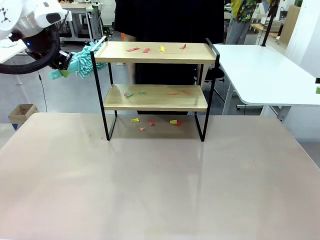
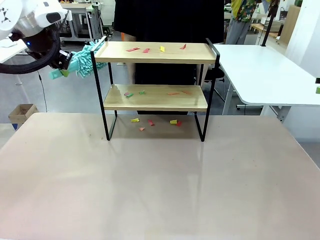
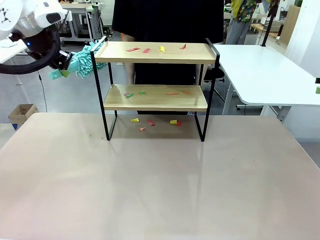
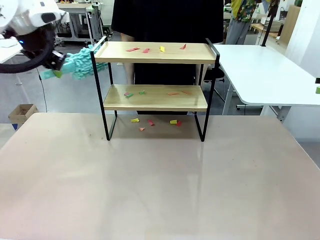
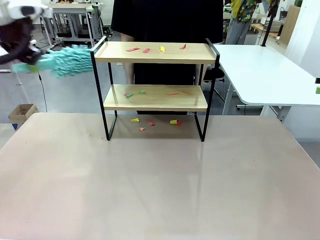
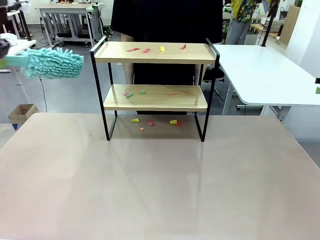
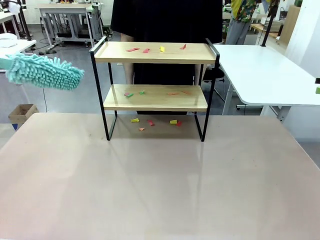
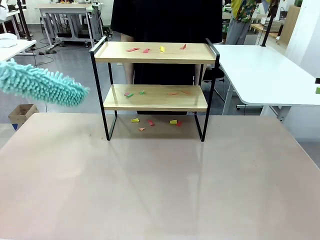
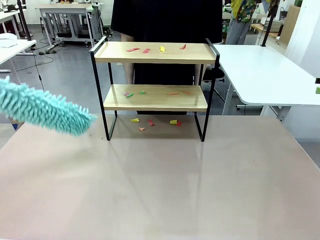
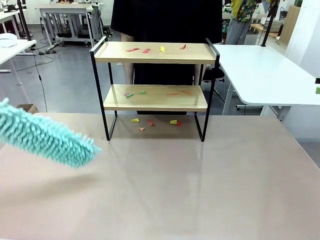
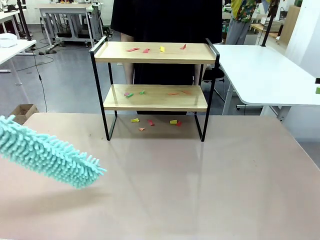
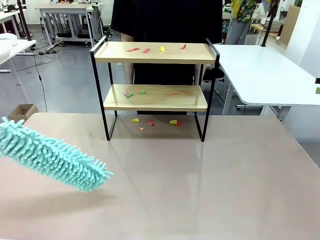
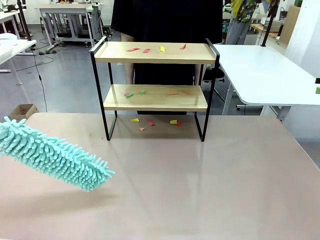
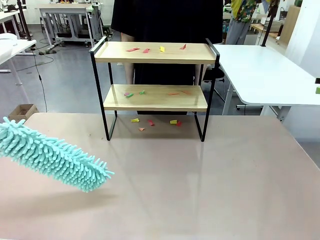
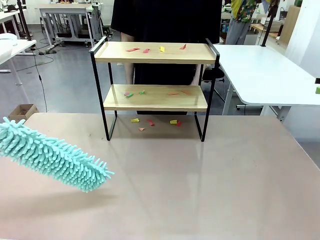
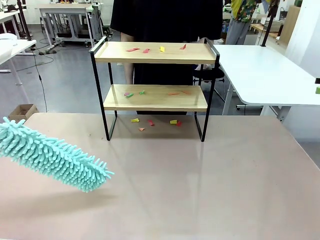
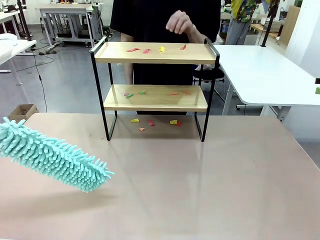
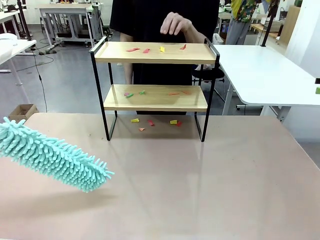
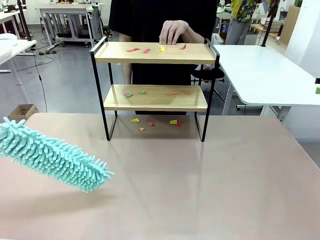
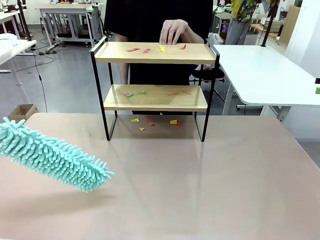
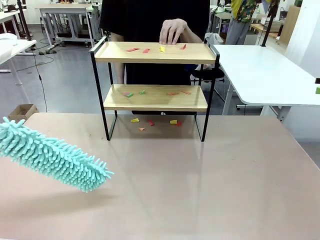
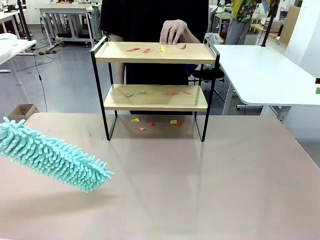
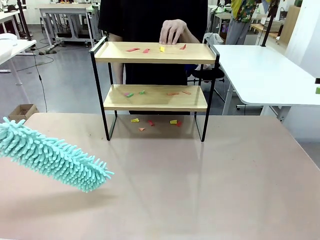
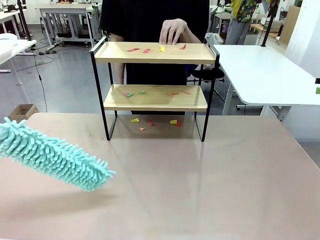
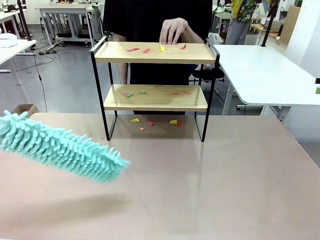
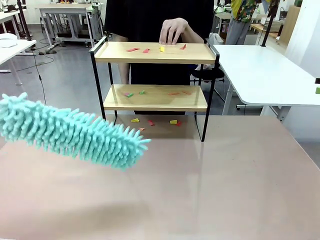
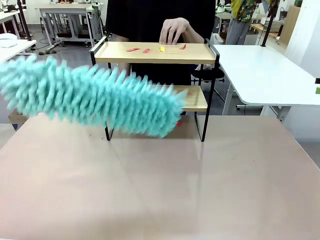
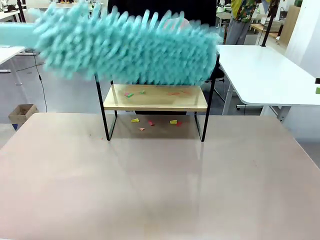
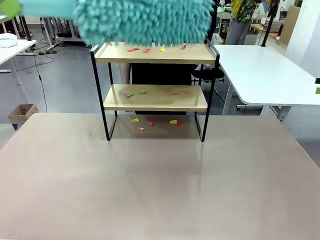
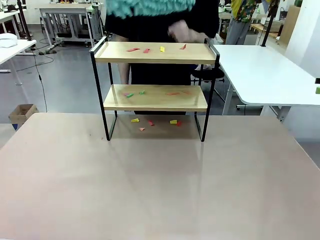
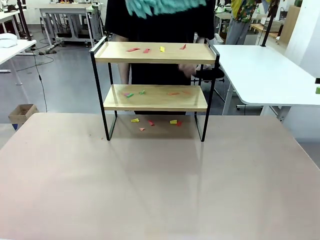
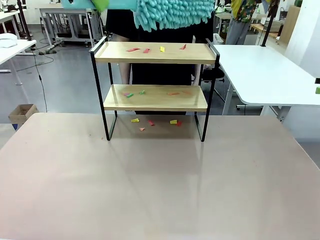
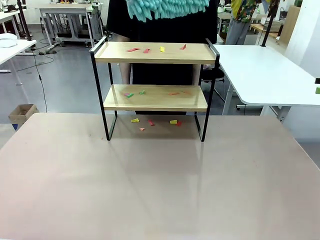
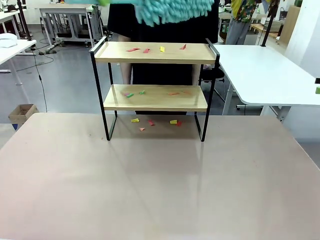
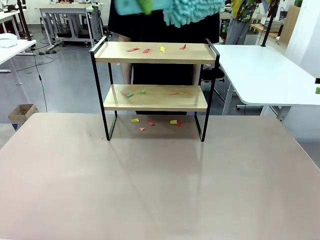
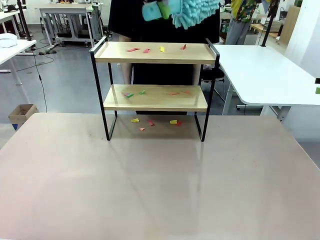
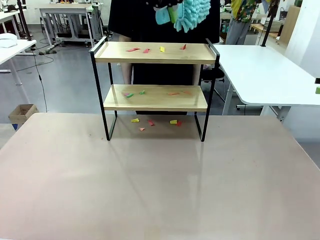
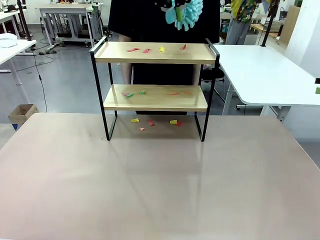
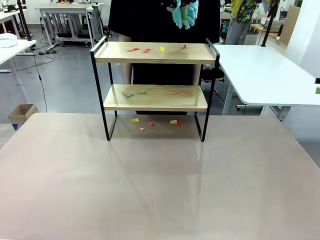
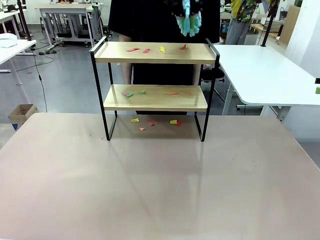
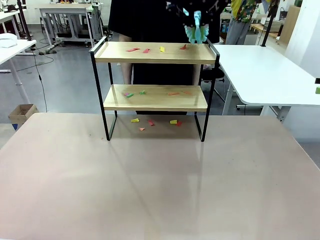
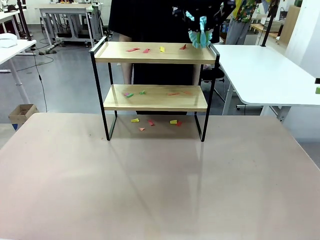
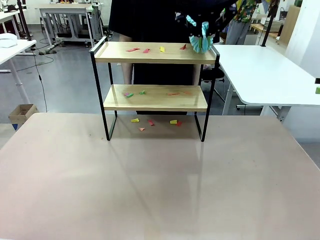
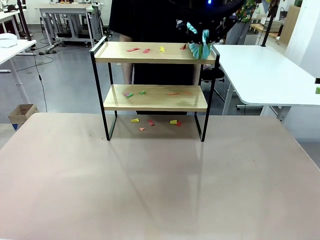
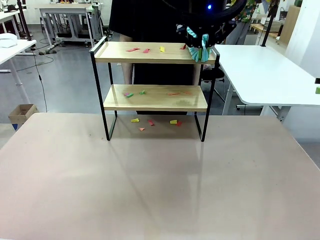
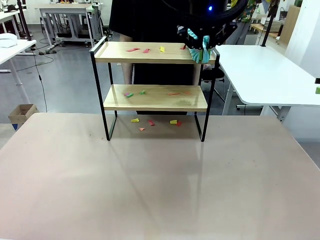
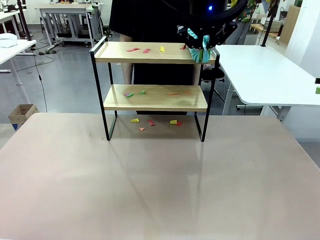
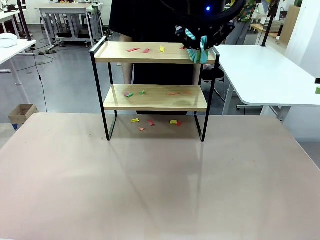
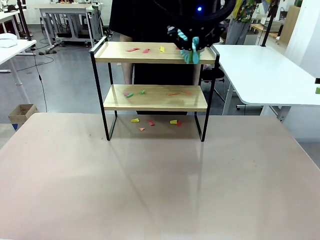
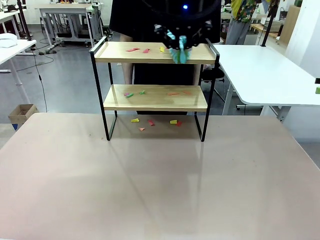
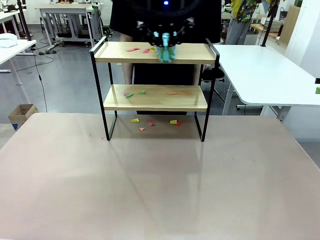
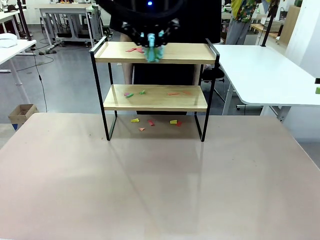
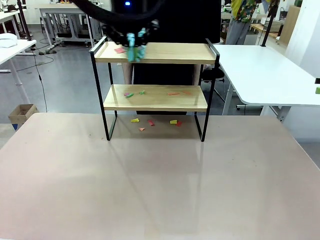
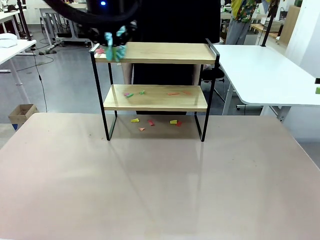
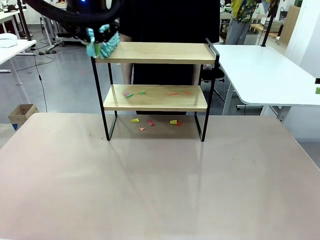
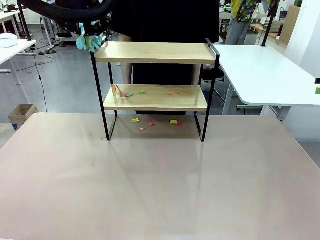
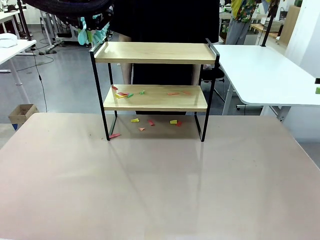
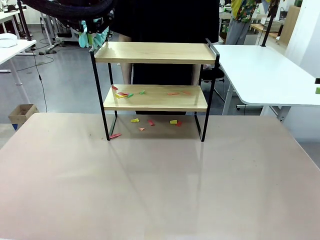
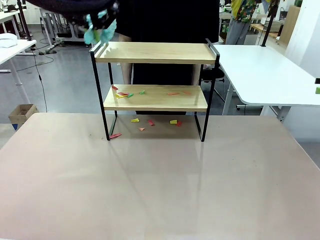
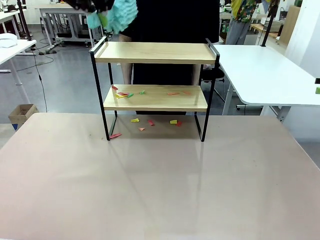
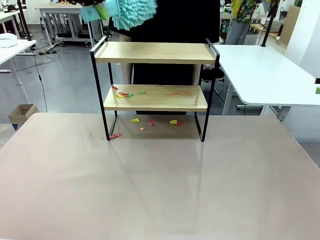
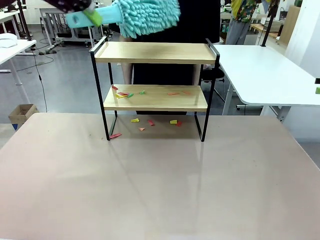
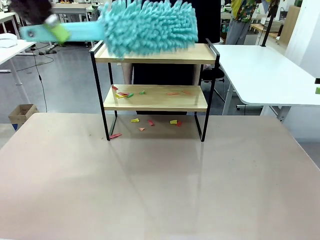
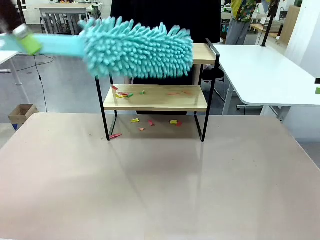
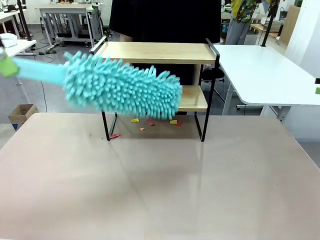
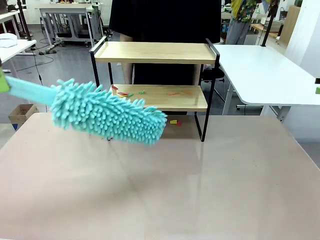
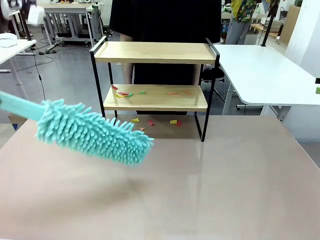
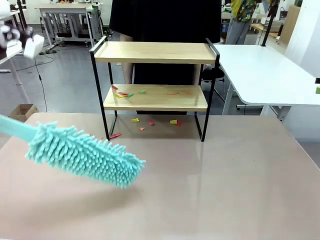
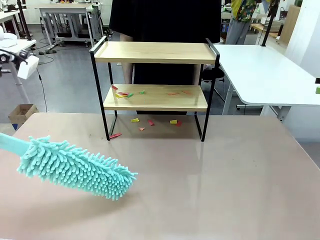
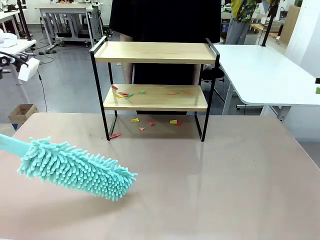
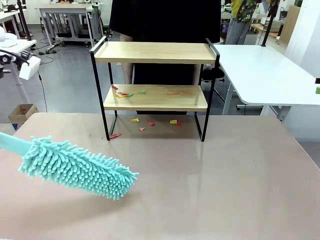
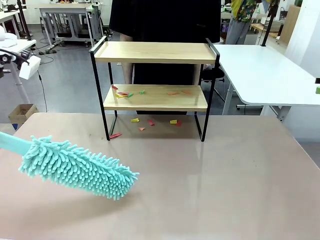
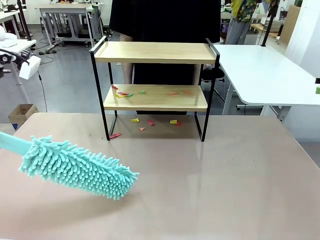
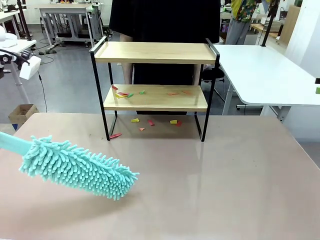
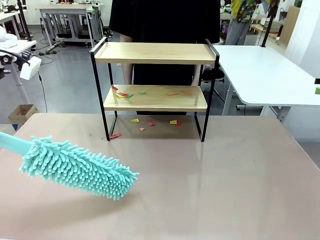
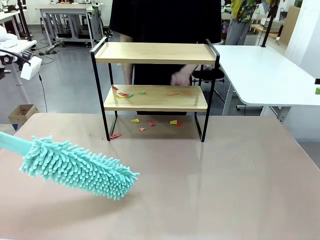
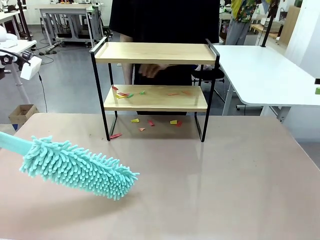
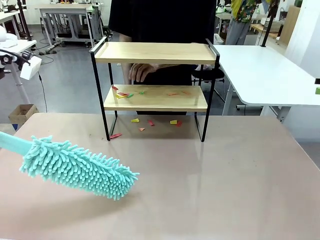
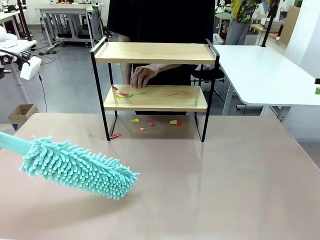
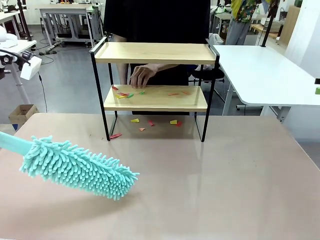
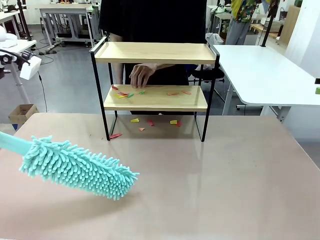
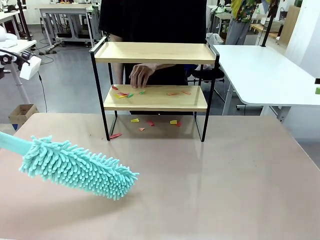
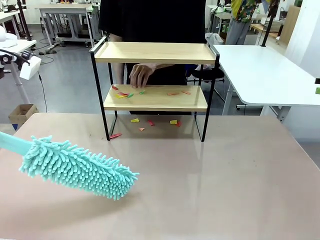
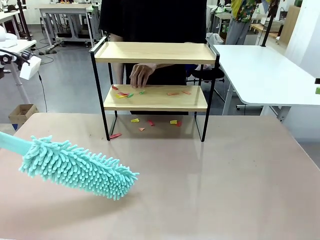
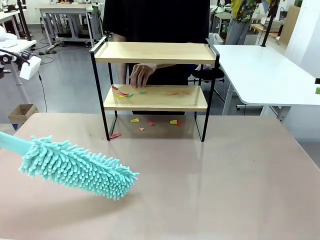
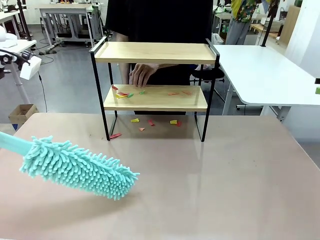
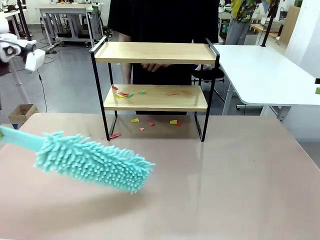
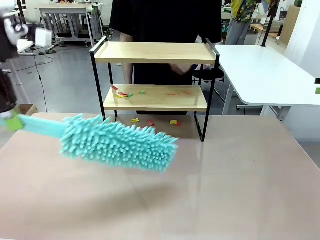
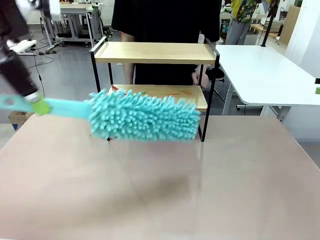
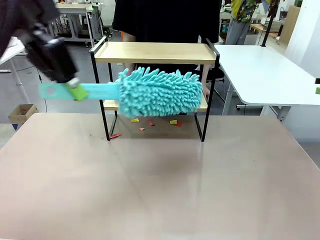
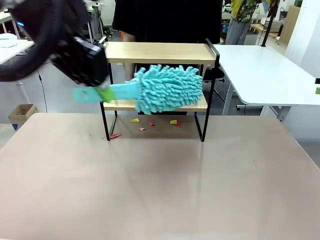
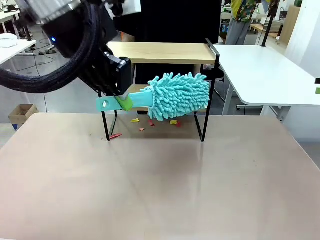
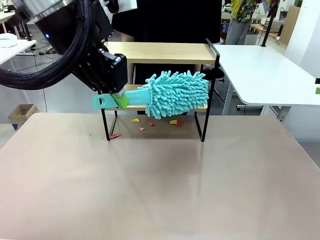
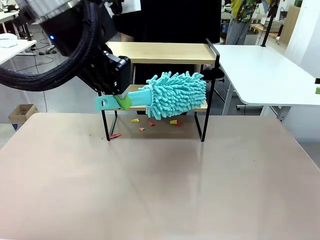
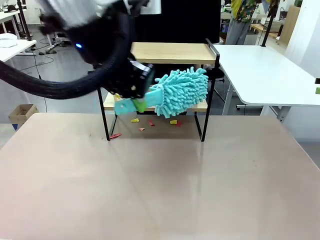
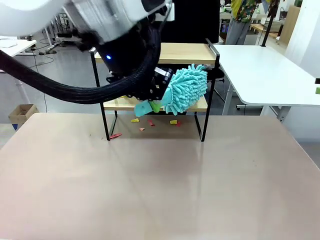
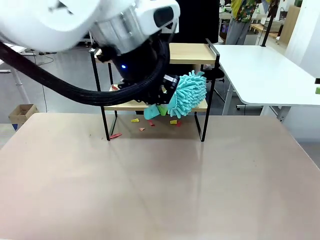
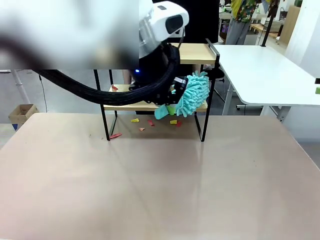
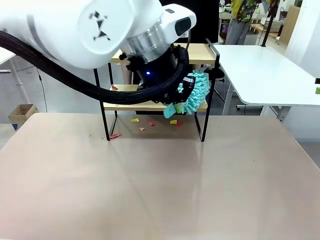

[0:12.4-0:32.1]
Task: Clean the shelf.
Robot: Clean the specific section of the Shelf indicated by the human with the Duster.
Person: Point a random section of the Shelf.
